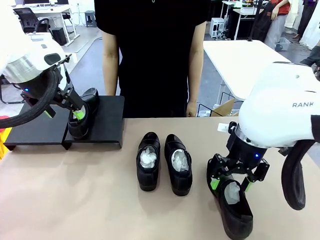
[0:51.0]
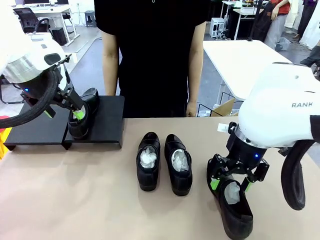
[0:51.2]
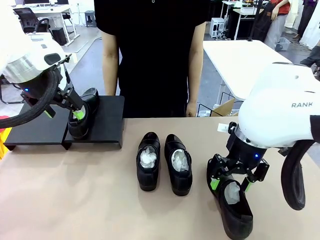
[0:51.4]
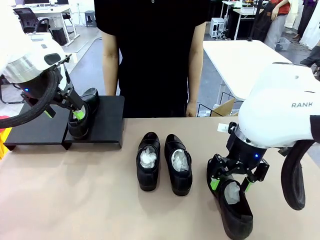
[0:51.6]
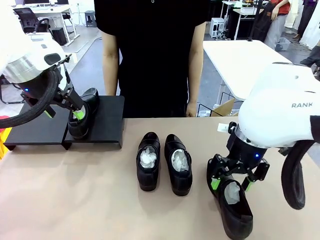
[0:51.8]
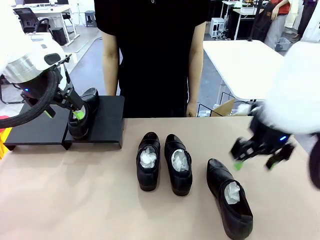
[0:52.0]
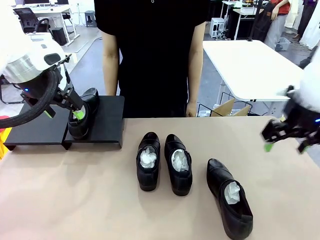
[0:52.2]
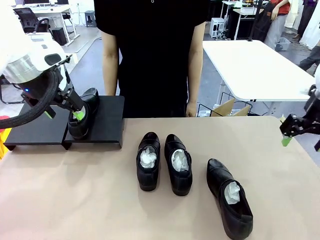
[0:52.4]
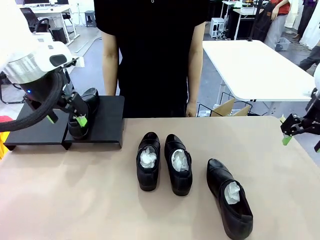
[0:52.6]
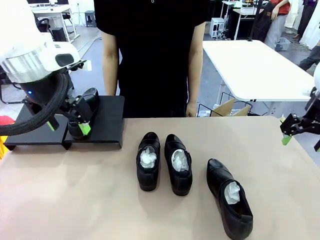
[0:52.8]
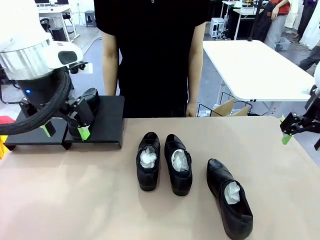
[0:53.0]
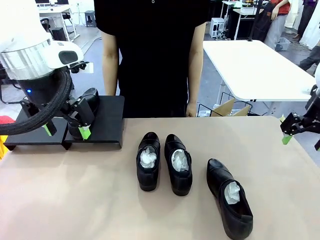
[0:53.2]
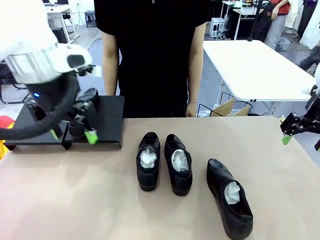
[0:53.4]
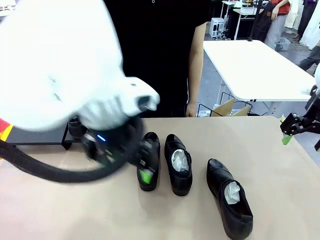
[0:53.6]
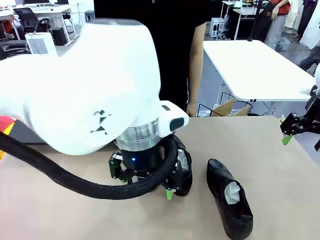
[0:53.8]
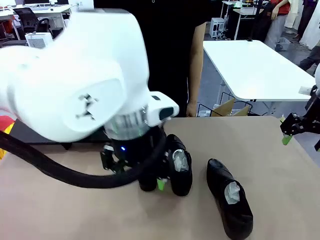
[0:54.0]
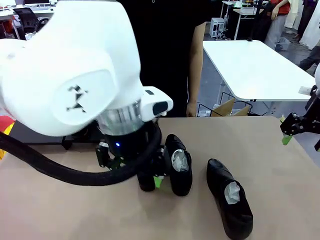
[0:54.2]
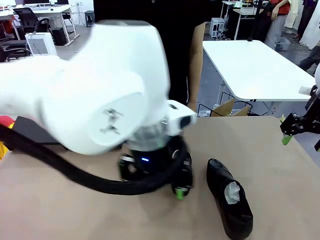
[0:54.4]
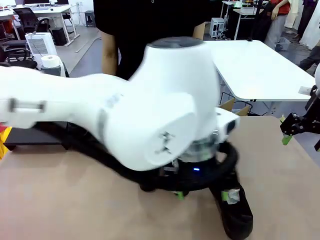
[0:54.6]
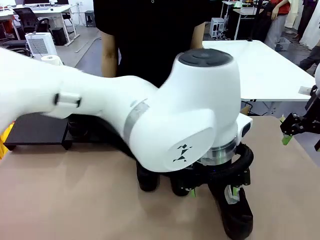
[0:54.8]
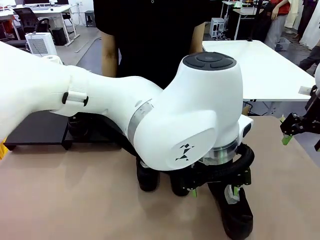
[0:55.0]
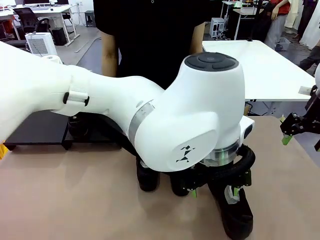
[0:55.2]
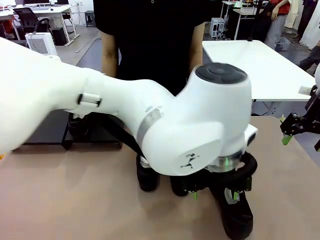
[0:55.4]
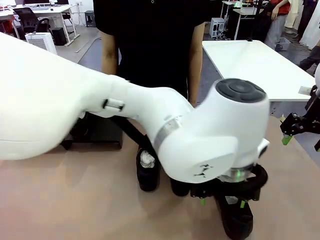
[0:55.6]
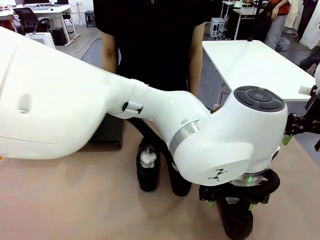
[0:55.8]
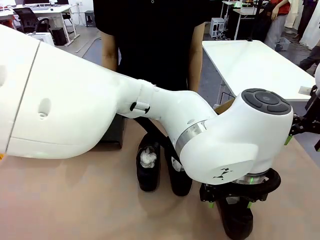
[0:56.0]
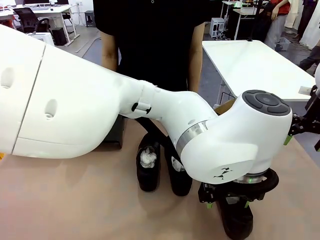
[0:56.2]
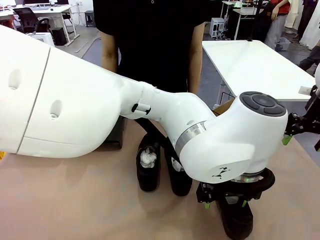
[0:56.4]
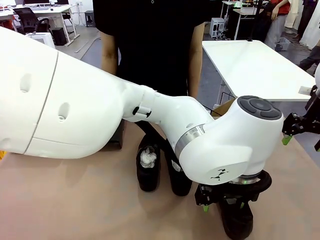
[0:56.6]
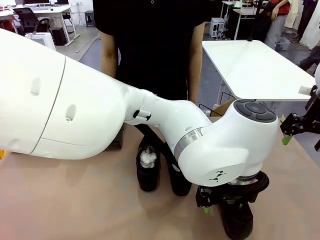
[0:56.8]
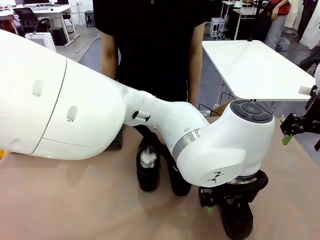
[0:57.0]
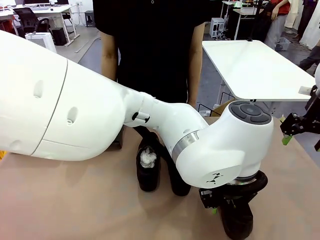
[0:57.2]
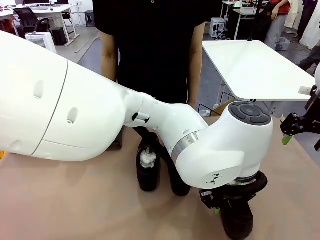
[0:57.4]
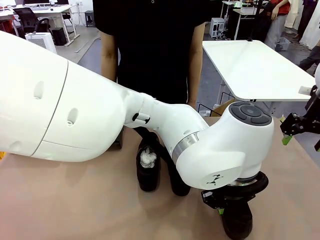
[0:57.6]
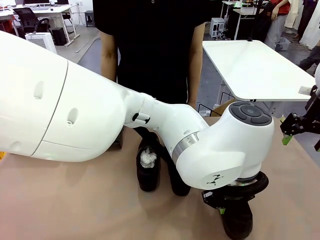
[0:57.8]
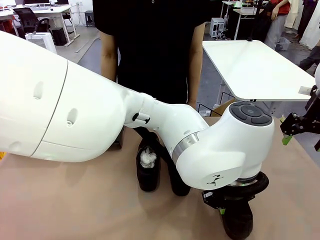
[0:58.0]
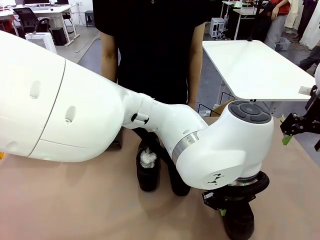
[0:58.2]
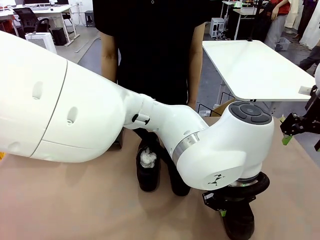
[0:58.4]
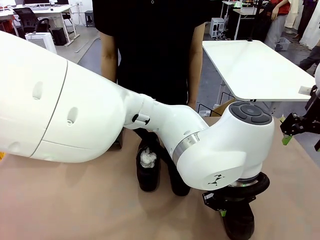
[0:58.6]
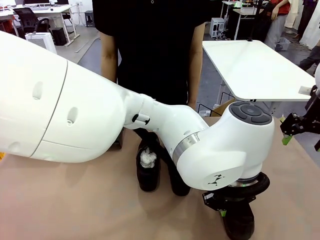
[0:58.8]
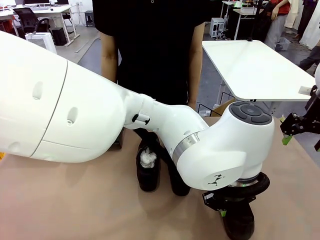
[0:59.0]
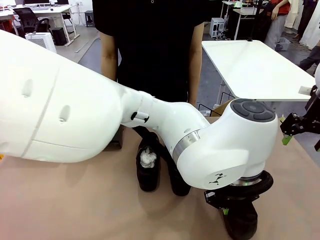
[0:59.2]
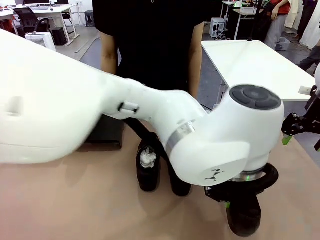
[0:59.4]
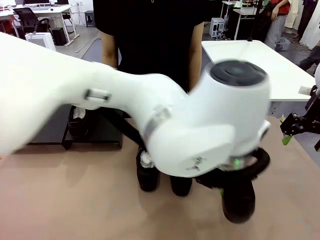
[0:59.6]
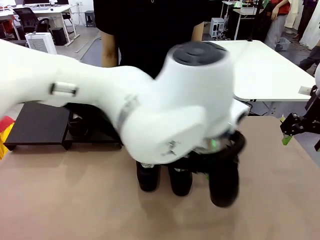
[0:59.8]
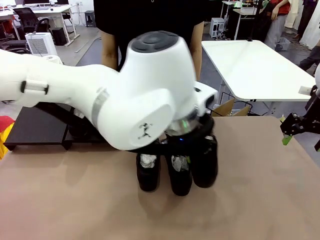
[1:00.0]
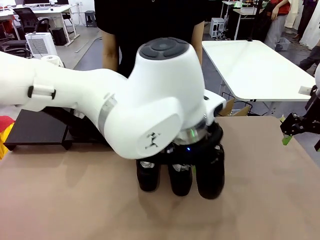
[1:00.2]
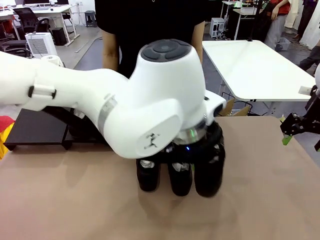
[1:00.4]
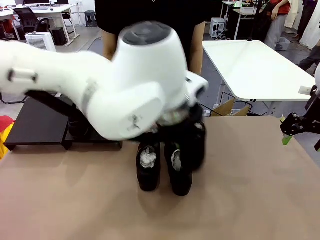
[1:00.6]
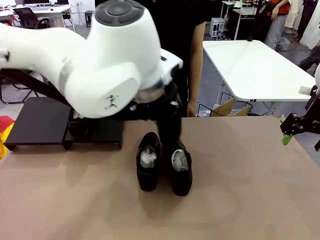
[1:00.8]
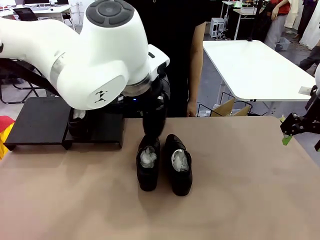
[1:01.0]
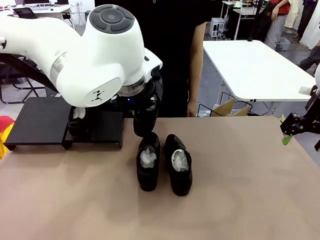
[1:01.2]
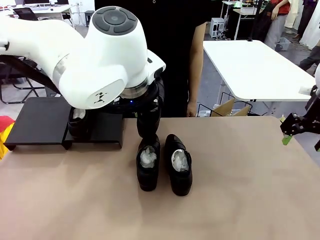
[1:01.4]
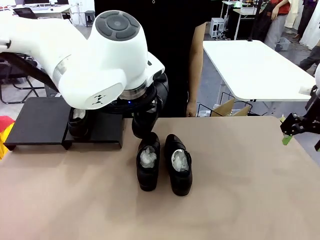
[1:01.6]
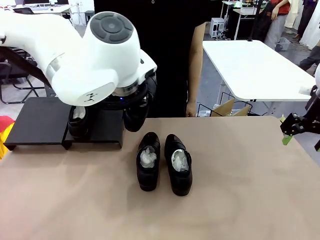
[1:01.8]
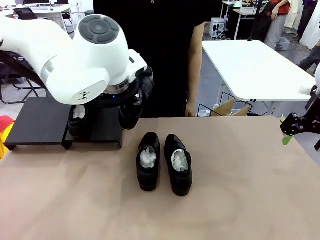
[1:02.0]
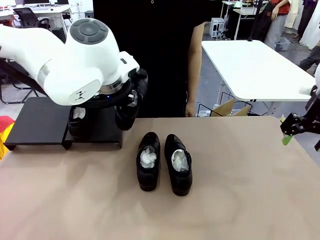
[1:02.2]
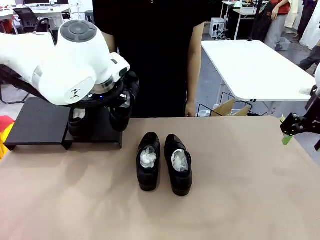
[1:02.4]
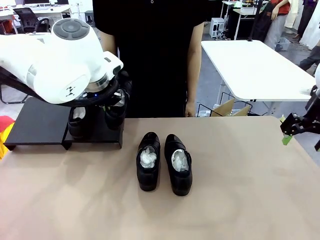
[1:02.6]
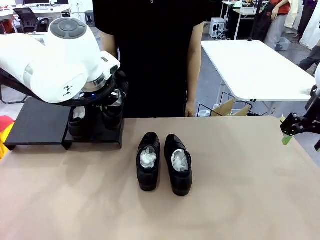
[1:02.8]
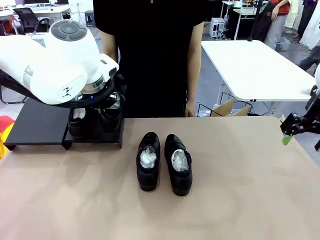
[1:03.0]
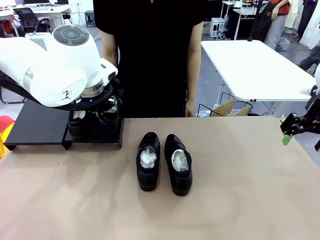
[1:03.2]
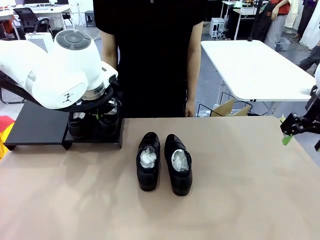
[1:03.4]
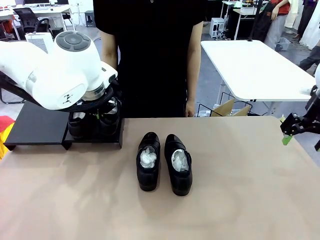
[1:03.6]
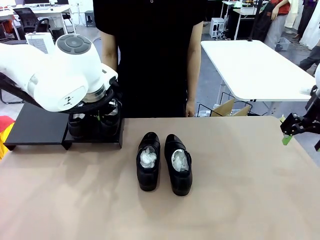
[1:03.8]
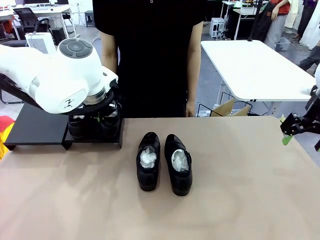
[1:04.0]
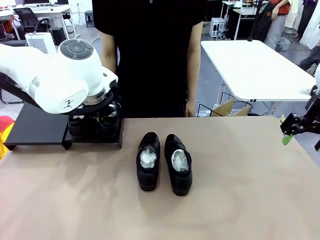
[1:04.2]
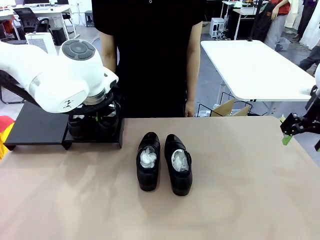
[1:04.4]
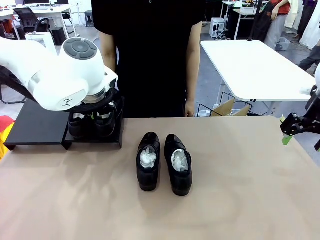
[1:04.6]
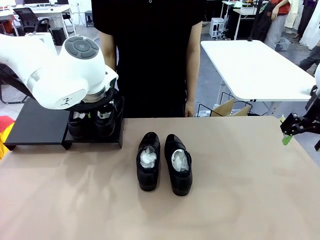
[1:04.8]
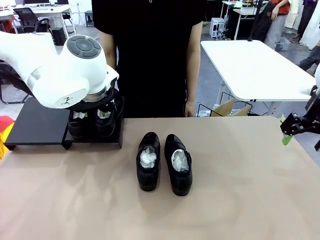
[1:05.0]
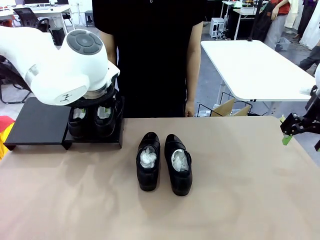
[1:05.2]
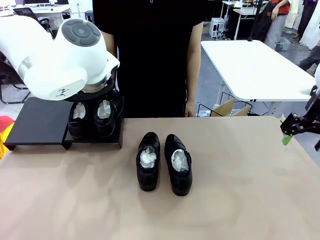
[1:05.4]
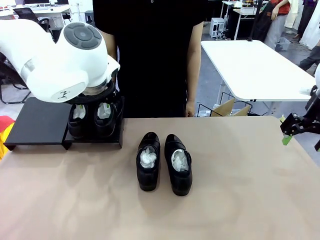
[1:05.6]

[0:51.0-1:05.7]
Task: Organize the shoes by placing them on the stand.
Robot: Place the Shoe from the middle of the table onto the Shoes Stand.

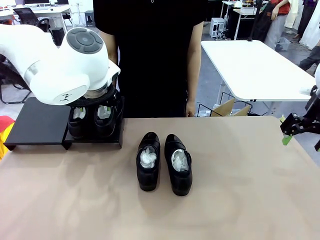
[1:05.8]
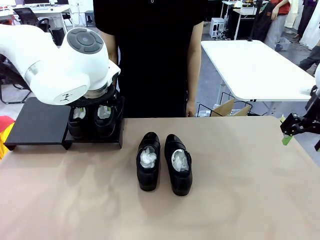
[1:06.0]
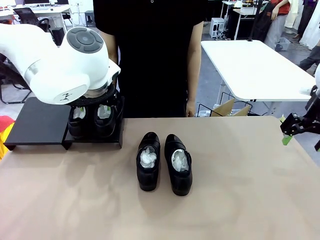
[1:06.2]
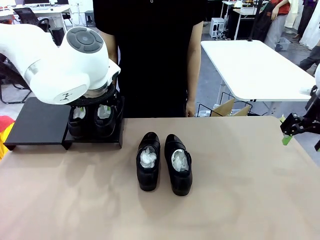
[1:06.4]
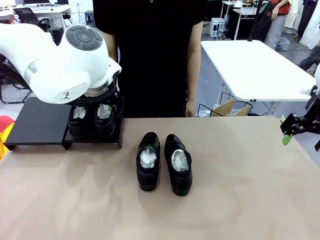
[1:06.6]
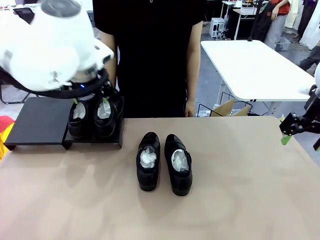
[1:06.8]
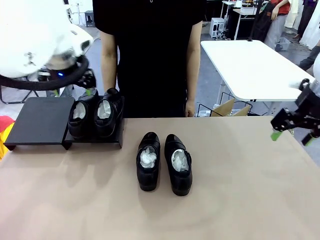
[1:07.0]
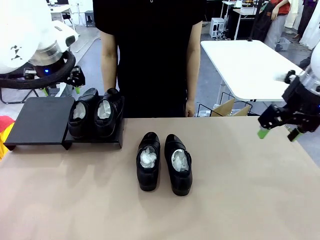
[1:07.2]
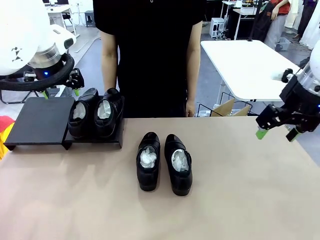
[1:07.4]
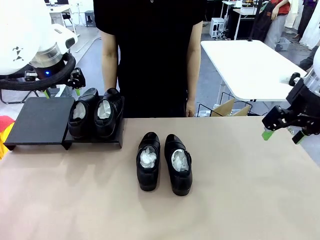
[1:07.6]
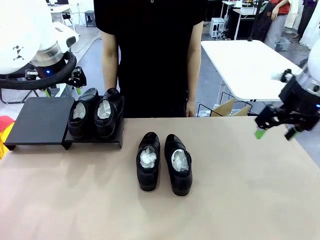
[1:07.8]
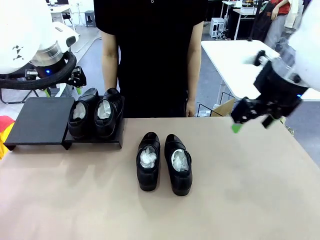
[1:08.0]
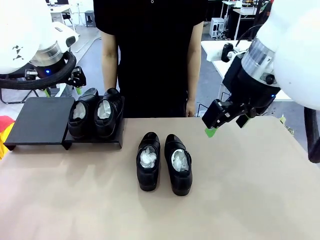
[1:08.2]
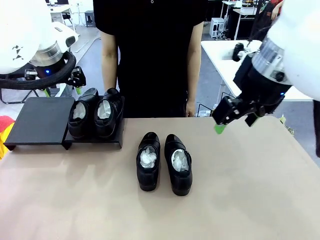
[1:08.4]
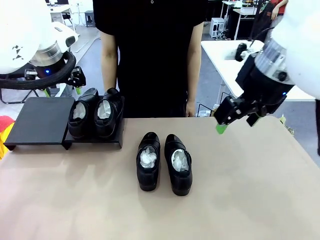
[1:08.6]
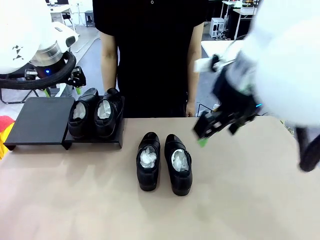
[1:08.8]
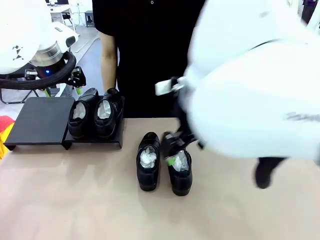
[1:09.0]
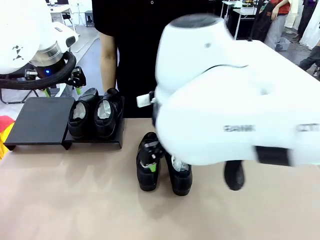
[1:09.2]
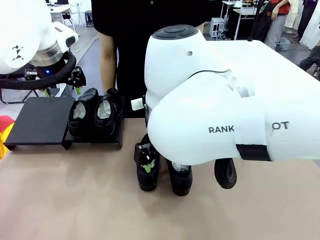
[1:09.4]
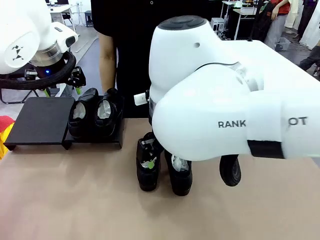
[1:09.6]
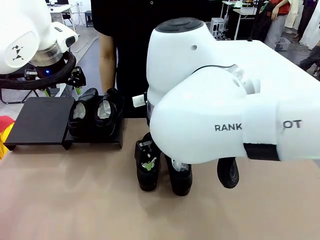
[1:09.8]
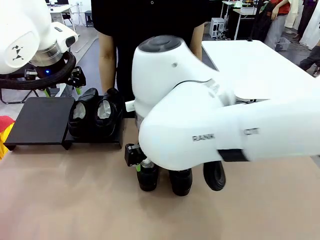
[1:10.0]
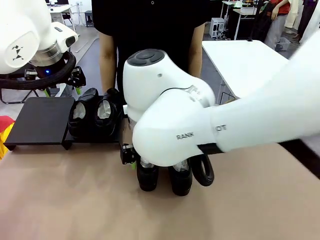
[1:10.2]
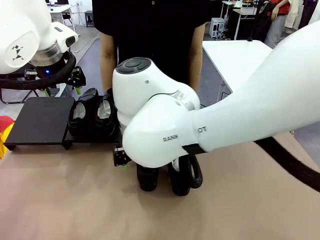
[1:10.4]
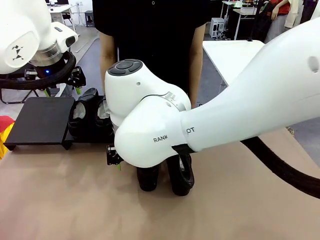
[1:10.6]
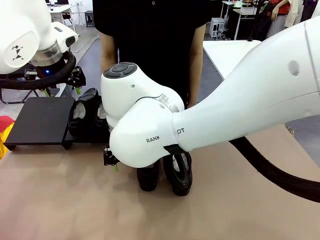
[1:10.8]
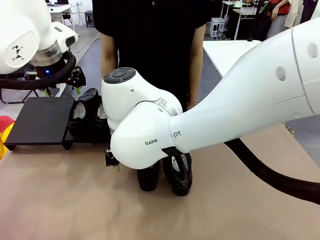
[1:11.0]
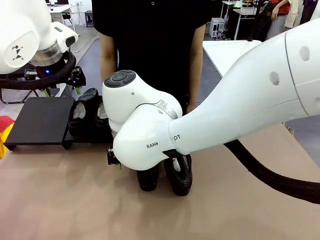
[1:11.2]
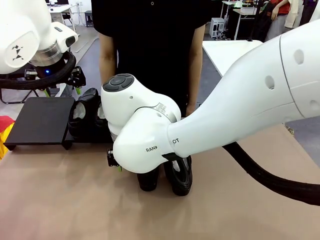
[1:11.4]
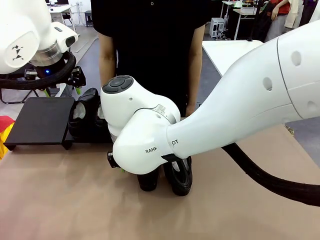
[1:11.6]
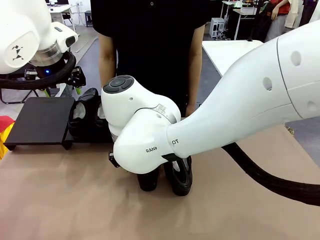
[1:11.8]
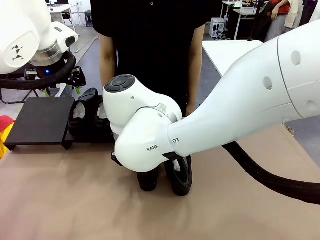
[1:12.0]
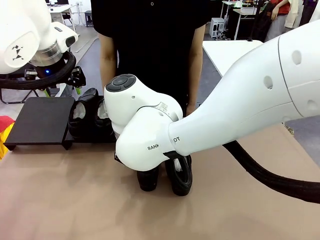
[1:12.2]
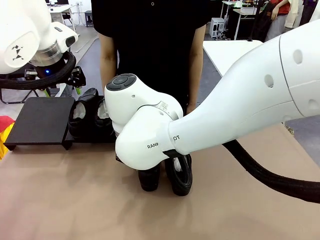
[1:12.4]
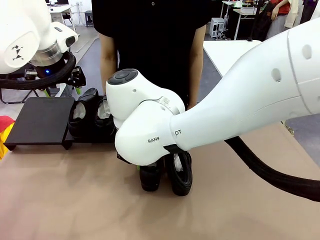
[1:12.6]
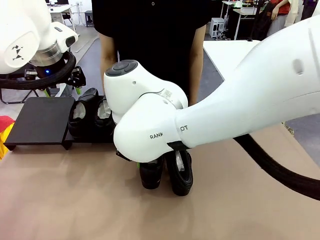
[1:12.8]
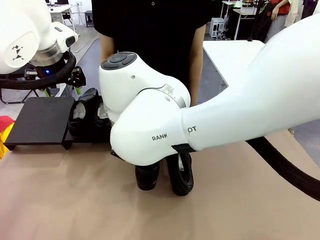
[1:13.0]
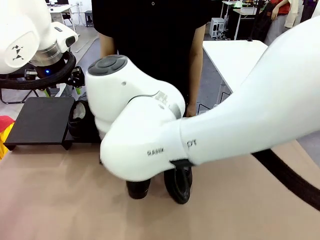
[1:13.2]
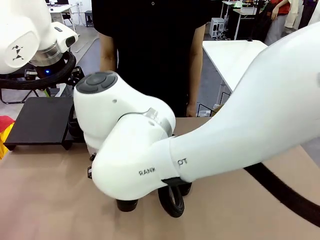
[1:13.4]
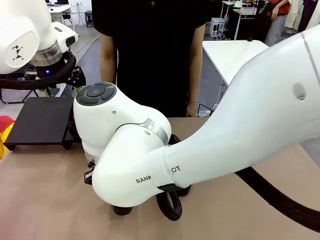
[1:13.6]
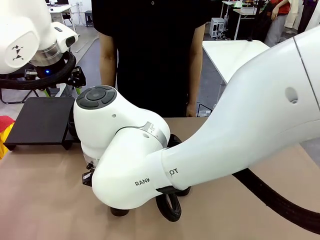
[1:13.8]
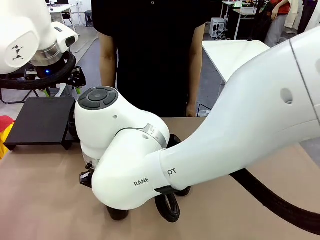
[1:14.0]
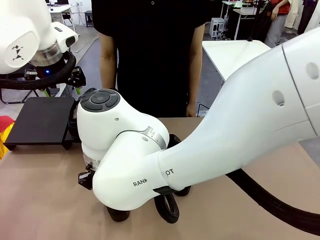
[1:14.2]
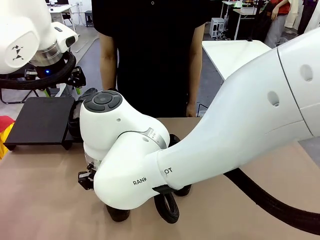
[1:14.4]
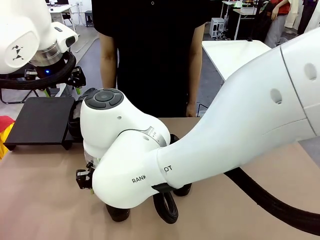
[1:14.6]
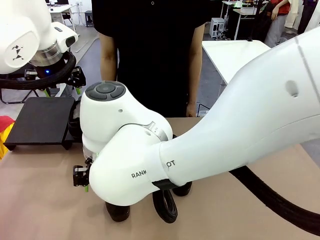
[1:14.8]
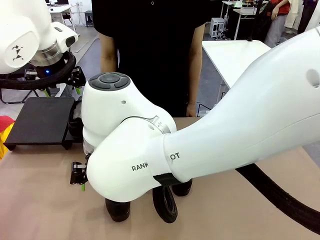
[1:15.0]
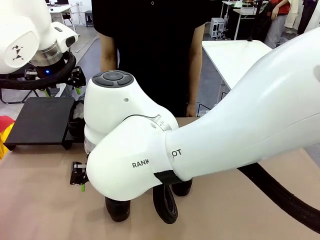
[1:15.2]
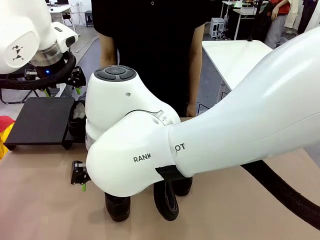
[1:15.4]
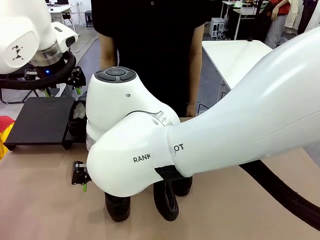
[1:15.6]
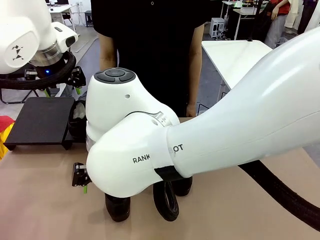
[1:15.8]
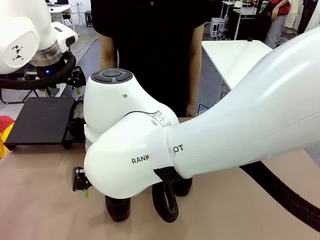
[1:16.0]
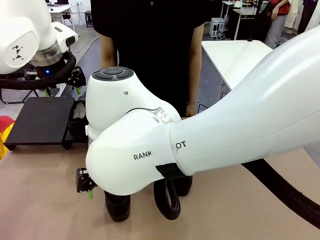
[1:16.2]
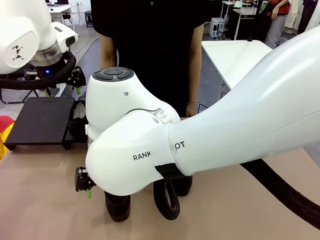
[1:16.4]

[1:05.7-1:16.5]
Robot: Pick up one Shoe and place it in the middle of the table.
